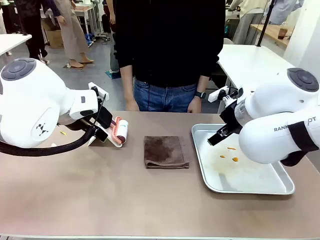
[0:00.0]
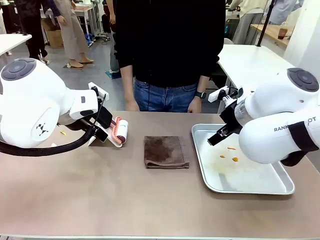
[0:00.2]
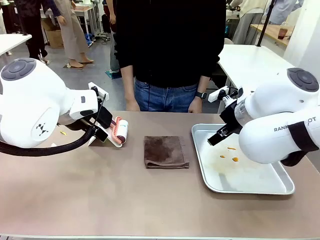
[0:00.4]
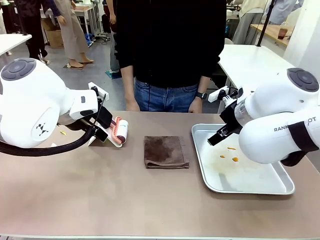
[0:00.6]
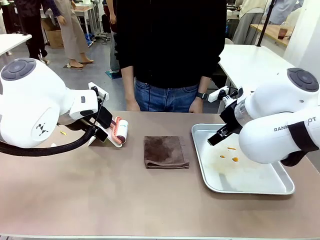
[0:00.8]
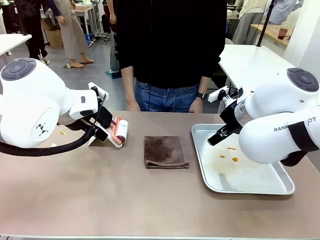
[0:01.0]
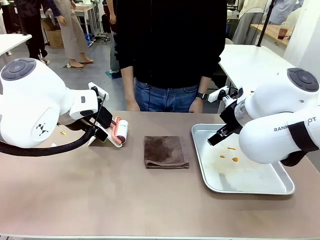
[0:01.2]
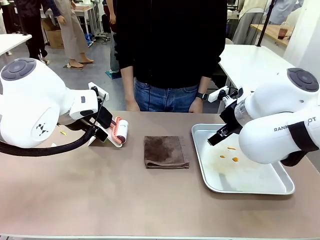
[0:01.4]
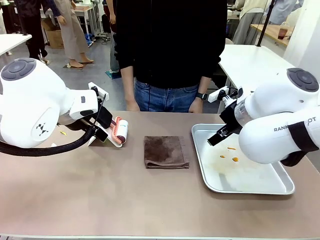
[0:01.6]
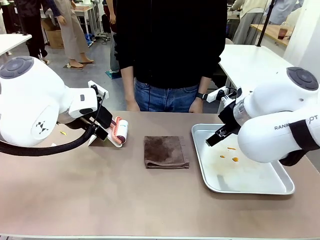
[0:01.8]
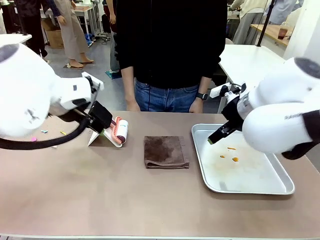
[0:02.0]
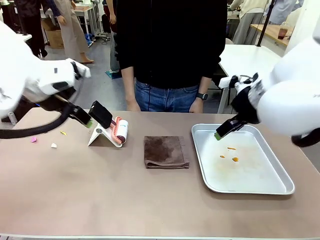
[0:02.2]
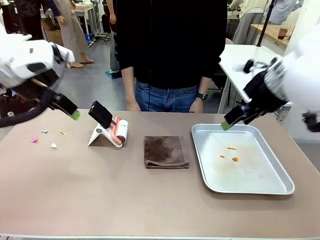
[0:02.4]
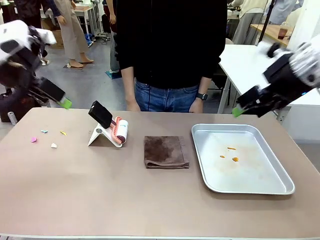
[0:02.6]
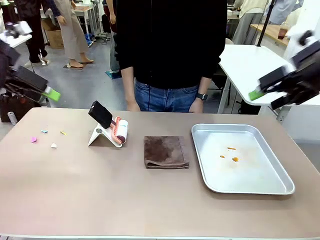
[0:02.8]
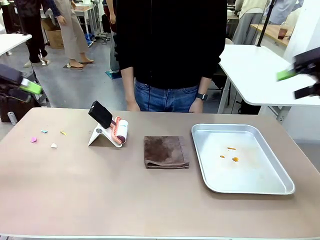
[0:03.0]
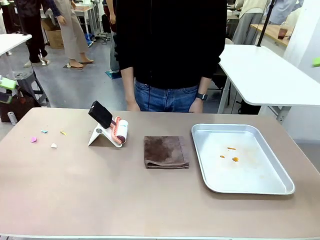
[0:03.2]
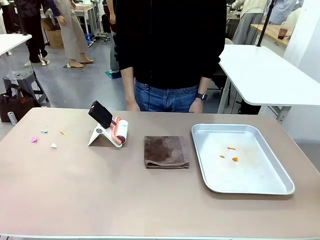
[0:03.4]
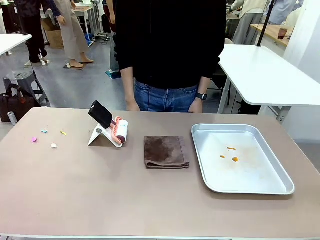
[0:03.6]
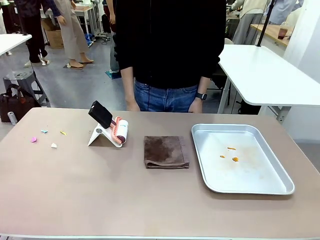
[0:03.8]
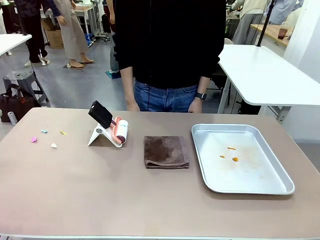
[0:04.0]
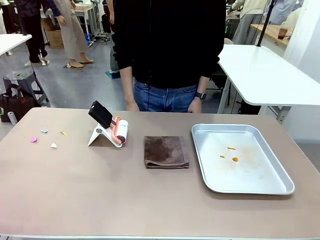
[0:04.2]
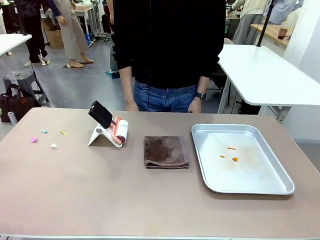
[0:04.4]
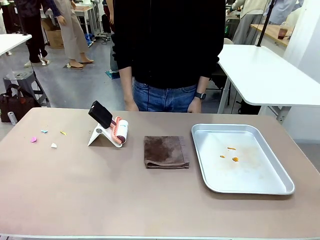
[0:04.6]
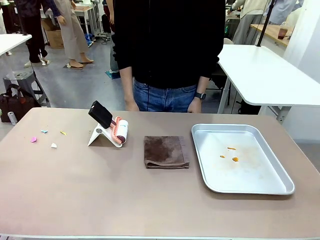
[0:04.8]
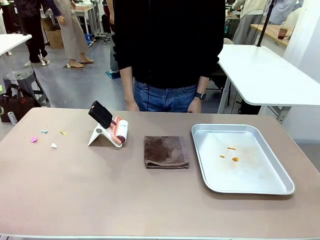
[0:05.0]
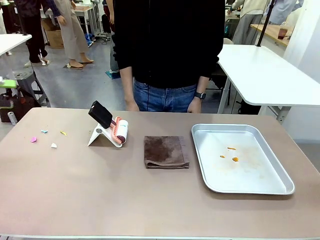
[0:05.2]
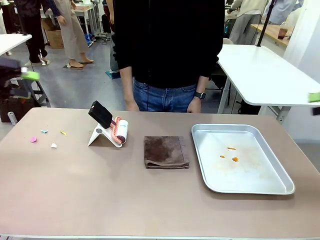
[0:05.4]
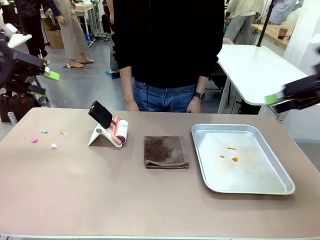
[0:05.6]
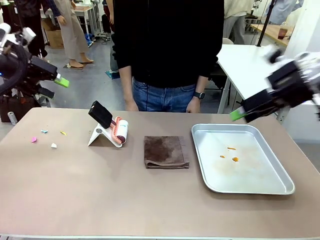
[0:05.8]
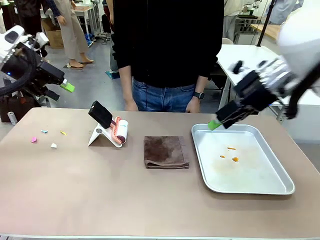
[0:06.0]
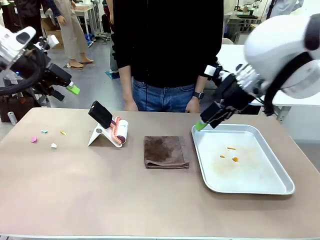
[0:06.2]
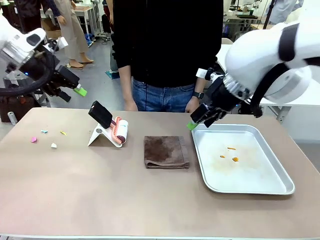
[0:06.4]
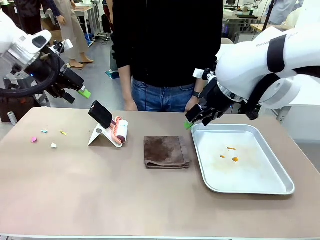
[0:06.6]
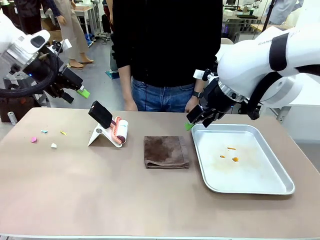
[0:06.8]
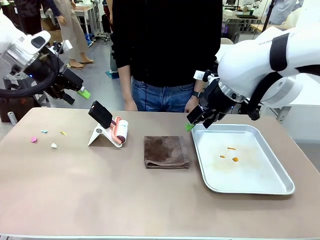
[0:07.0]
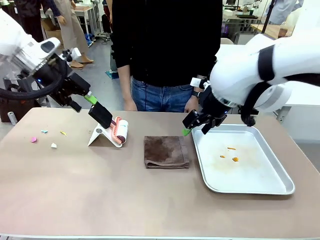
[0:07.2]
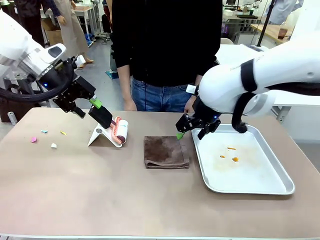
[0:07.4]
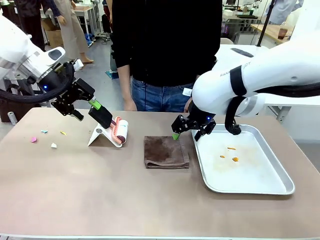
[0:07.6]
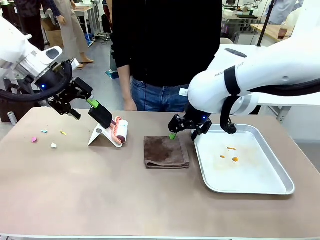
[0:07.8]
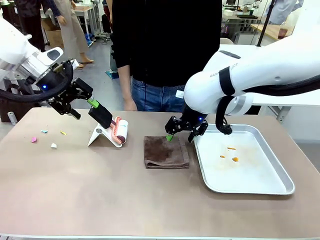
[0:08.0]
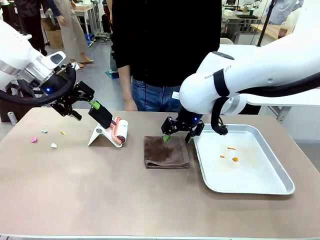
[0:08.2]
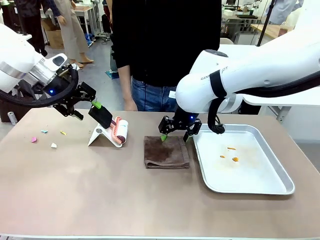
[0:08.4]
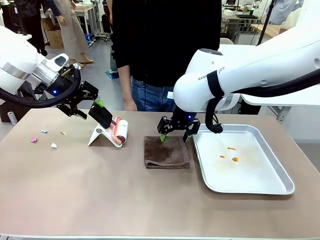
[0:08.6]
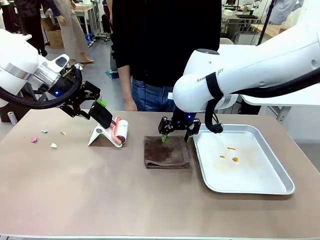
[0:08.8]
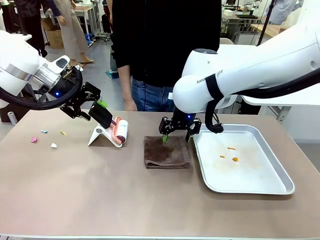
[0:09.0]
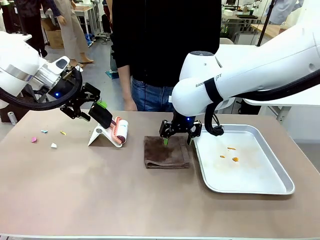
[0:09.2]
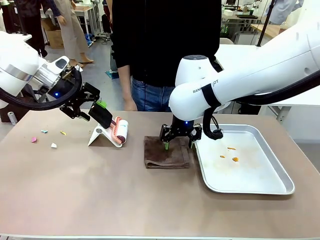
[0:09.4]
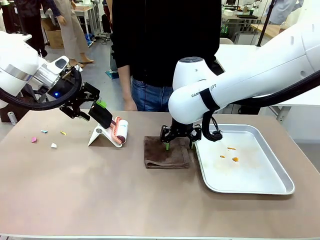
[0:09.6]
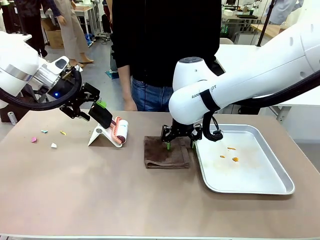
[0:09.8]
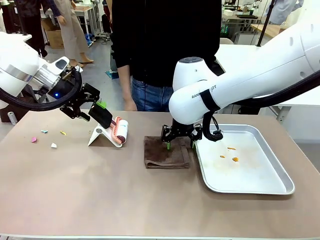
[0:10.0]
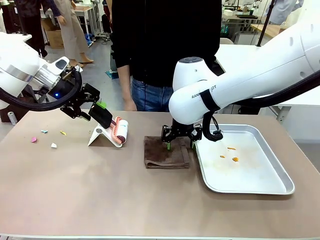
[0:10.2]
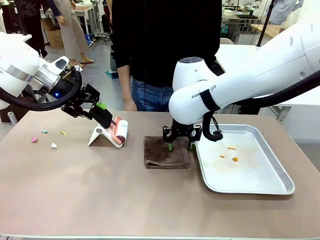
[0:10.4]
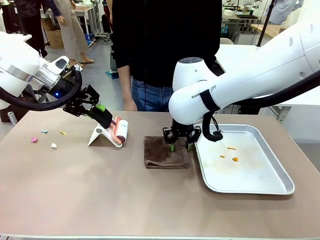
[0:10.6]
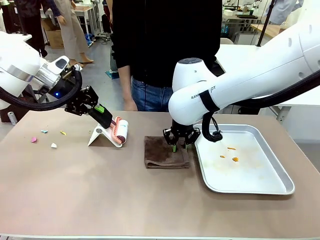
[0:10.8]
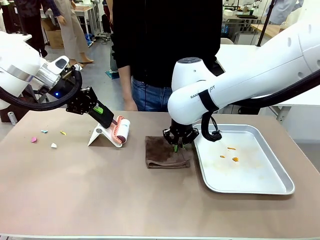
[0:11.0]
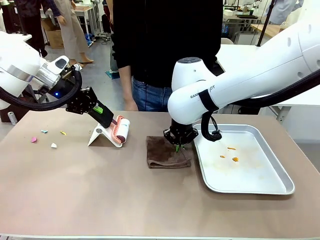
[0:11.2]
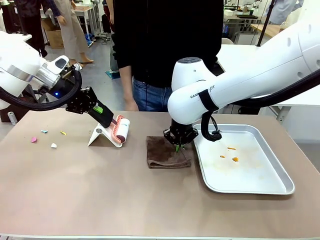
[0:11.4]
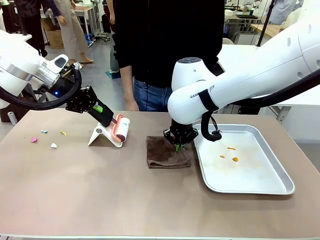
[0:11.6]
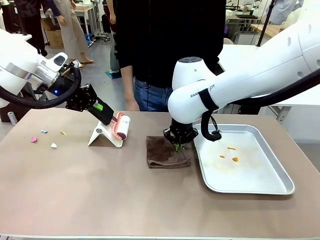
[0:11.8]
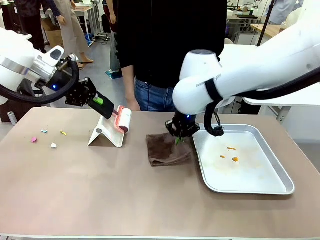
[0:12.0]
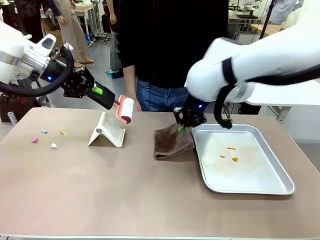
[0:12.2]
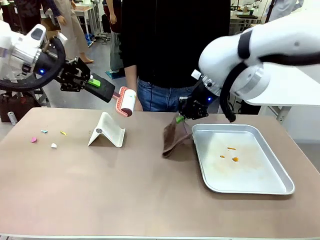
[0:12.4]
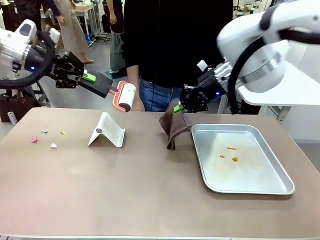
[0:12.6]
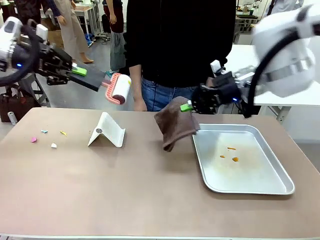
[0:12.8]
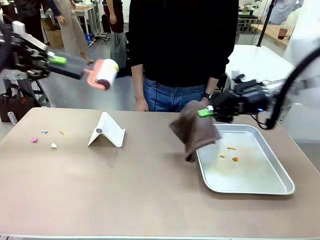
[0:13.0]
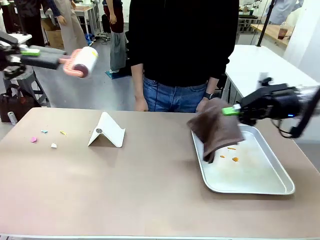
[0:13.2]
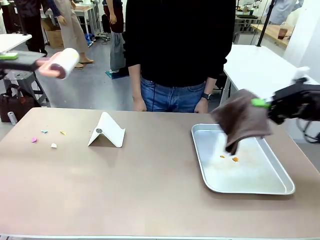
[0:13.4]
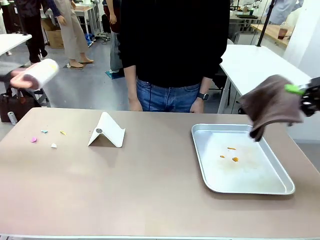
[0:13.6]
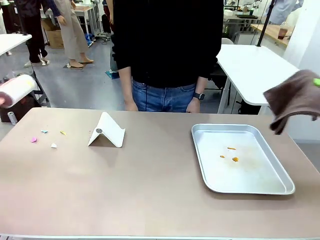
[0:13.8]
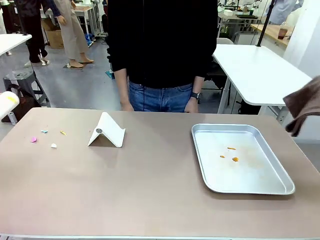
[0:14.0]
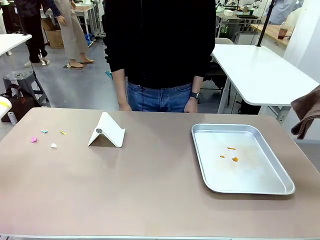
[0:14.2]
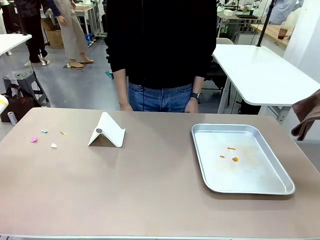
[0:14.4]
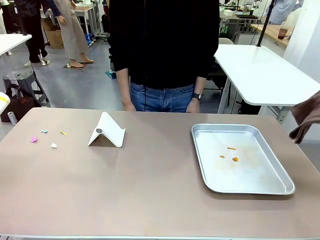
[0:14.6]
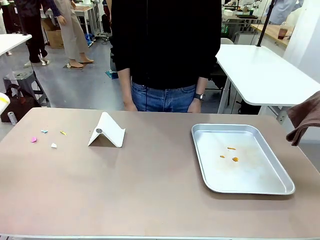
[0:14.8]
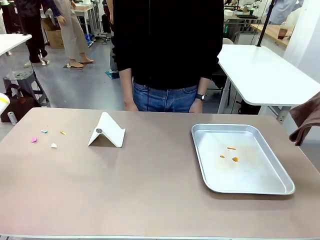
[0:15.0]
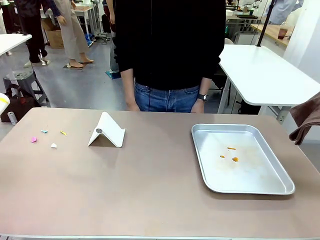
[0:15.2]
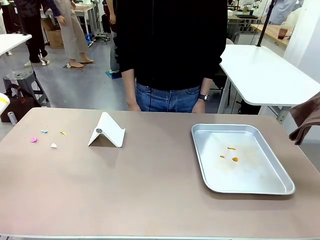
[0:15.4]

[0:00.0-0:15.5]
Task: Clean the surface of the table.
Robot: Hold the Lint Roller with your left hand and the towel with your right hand.
